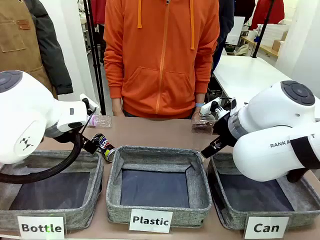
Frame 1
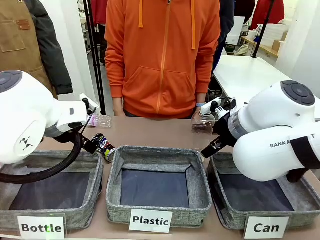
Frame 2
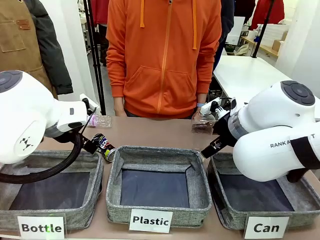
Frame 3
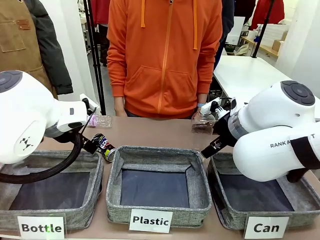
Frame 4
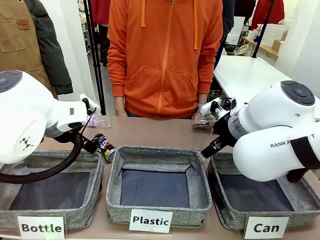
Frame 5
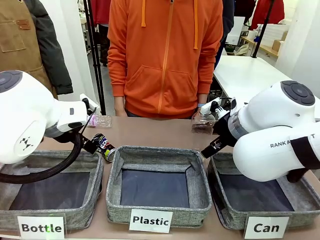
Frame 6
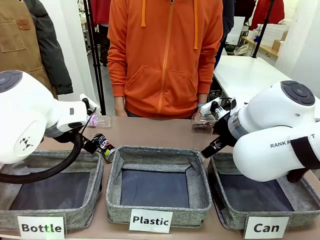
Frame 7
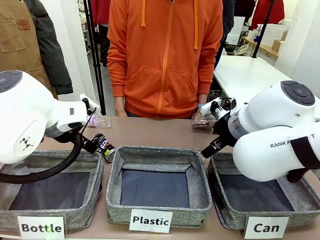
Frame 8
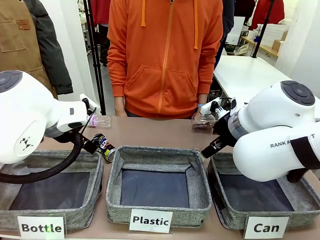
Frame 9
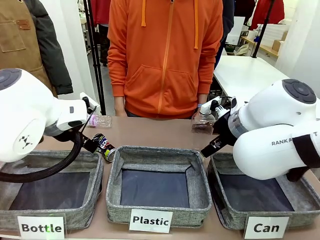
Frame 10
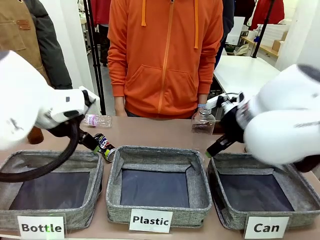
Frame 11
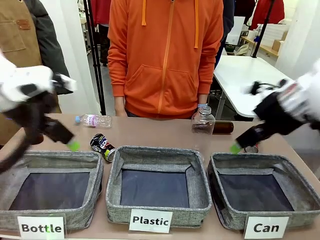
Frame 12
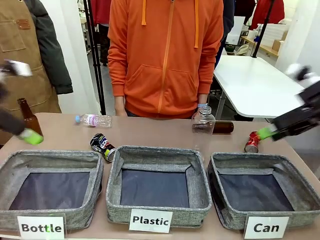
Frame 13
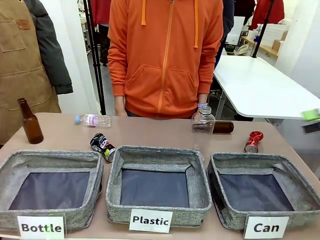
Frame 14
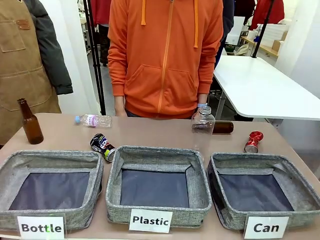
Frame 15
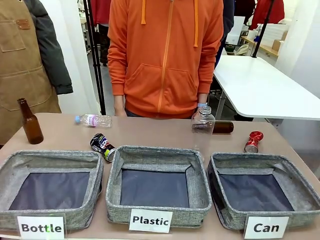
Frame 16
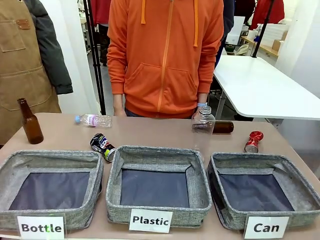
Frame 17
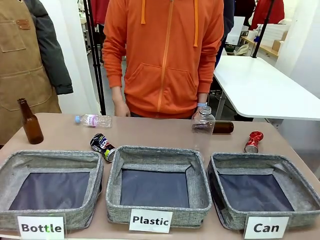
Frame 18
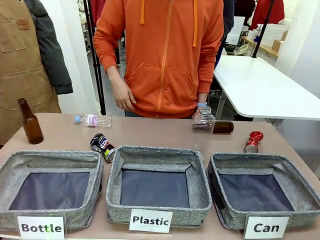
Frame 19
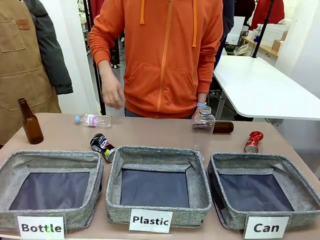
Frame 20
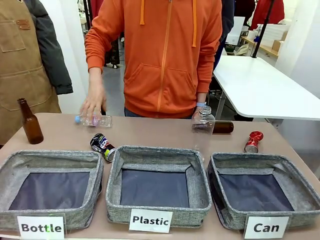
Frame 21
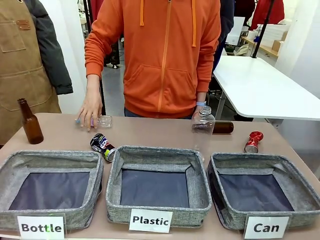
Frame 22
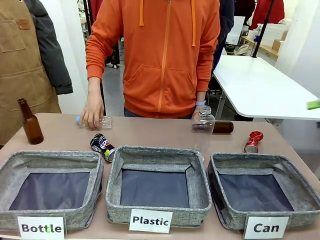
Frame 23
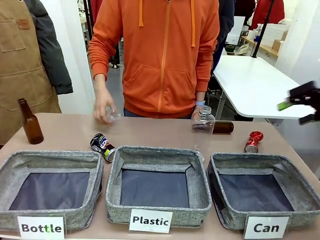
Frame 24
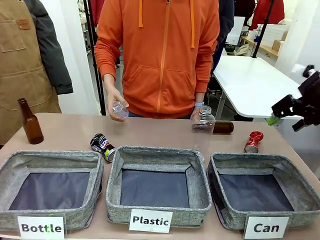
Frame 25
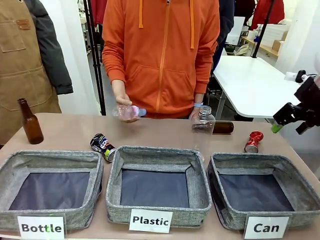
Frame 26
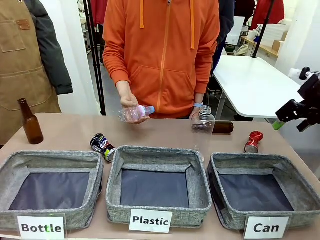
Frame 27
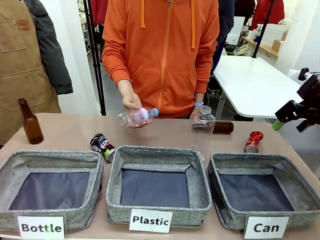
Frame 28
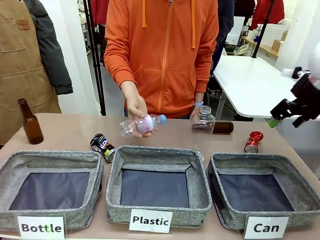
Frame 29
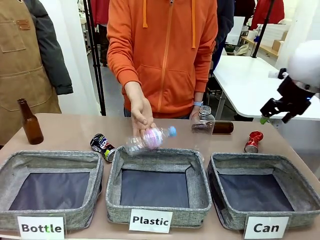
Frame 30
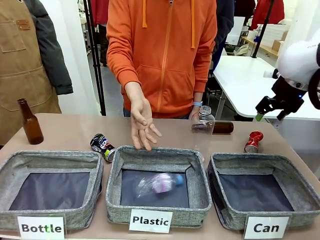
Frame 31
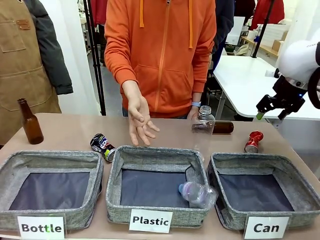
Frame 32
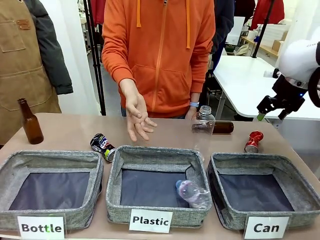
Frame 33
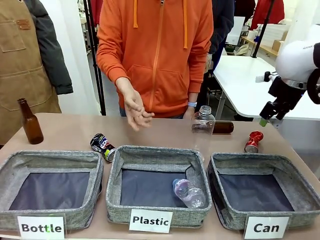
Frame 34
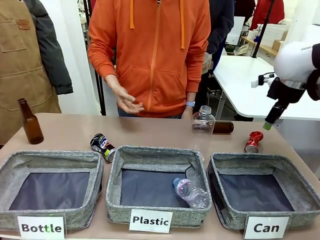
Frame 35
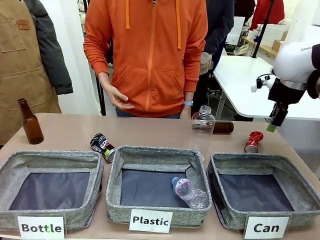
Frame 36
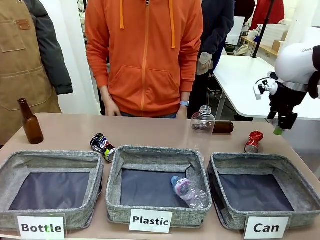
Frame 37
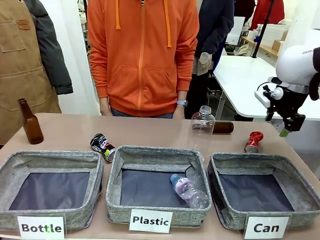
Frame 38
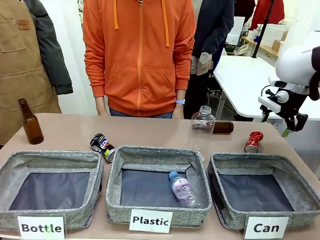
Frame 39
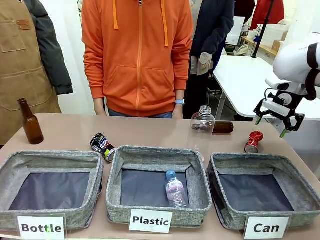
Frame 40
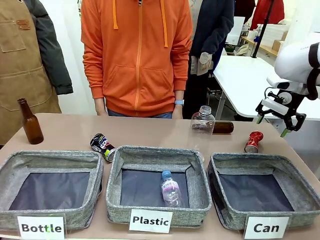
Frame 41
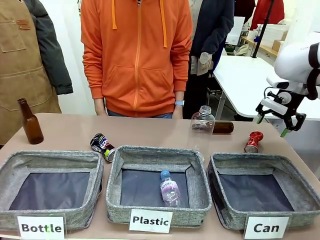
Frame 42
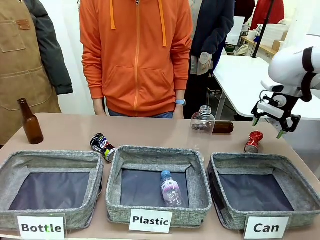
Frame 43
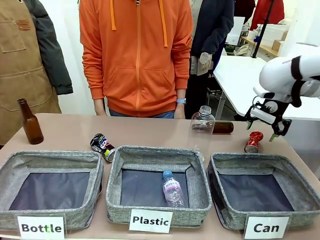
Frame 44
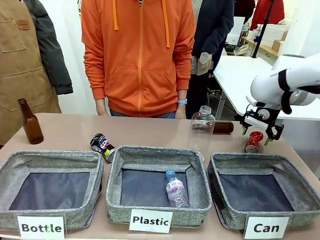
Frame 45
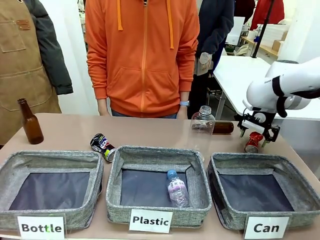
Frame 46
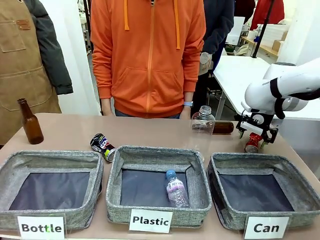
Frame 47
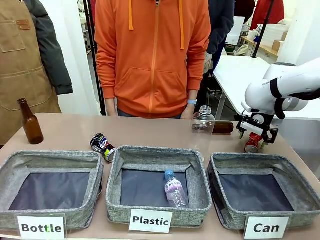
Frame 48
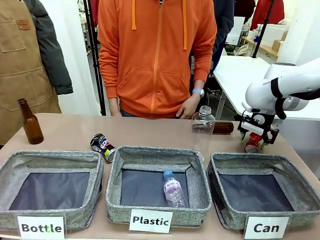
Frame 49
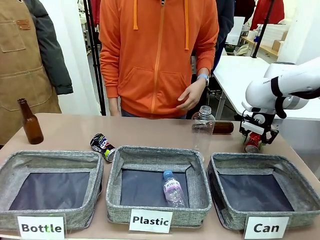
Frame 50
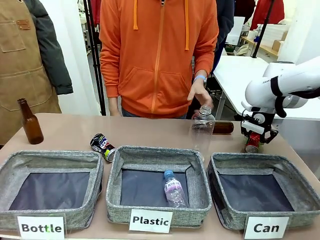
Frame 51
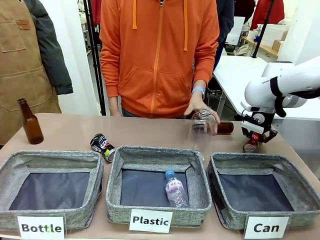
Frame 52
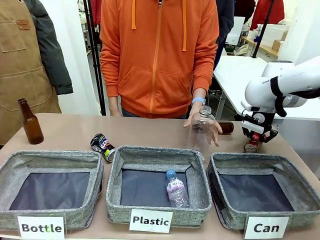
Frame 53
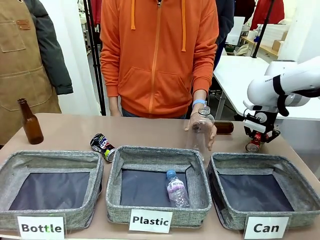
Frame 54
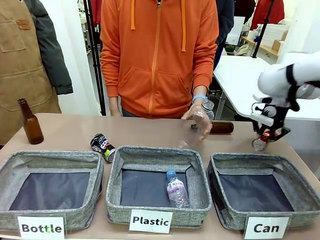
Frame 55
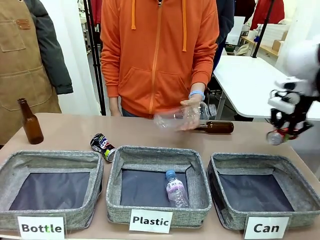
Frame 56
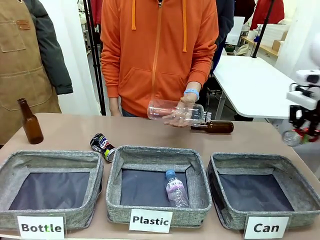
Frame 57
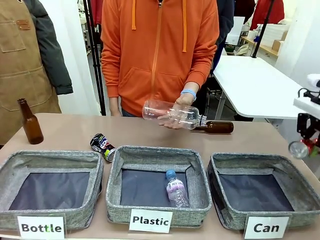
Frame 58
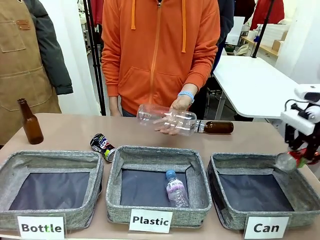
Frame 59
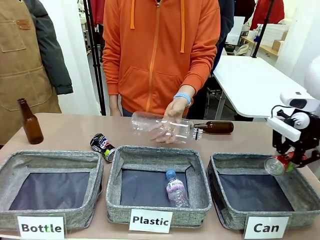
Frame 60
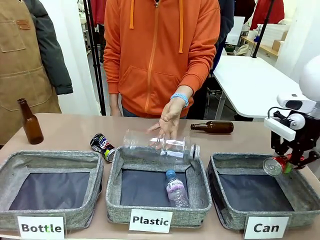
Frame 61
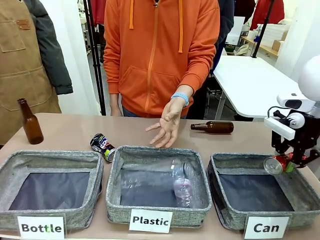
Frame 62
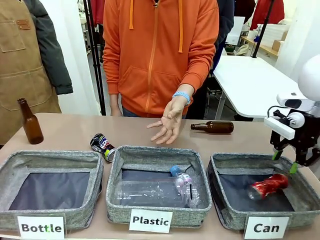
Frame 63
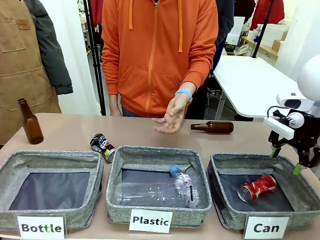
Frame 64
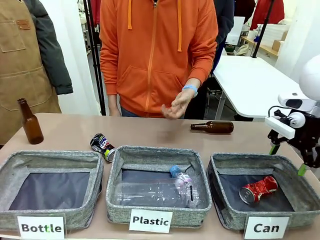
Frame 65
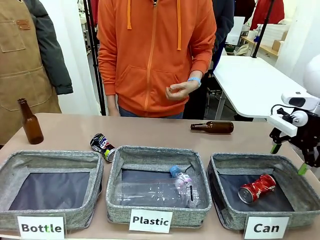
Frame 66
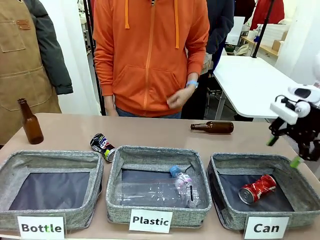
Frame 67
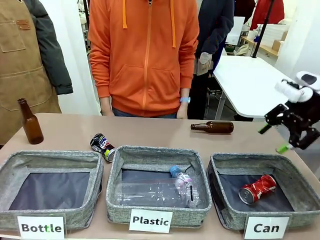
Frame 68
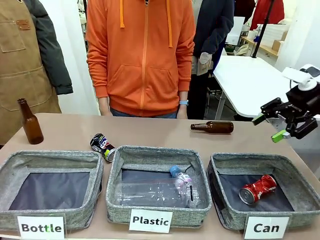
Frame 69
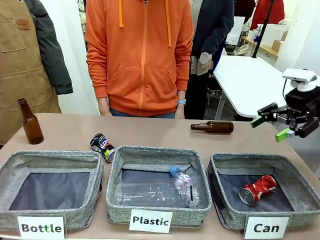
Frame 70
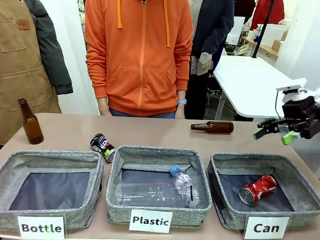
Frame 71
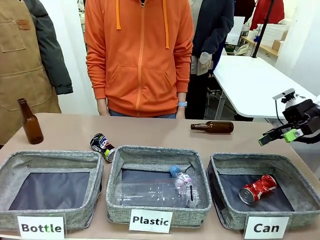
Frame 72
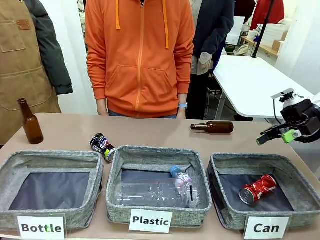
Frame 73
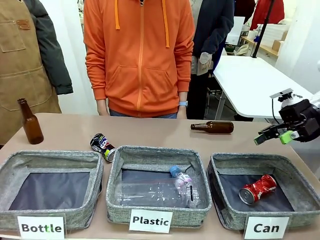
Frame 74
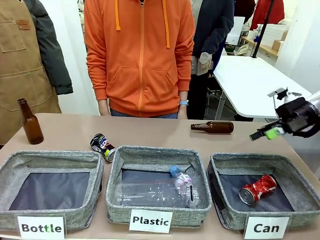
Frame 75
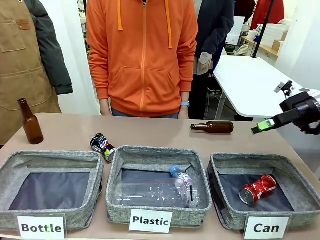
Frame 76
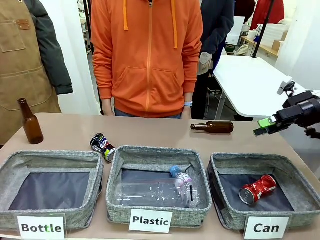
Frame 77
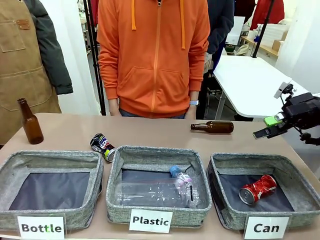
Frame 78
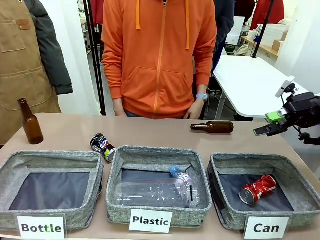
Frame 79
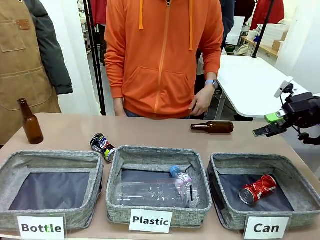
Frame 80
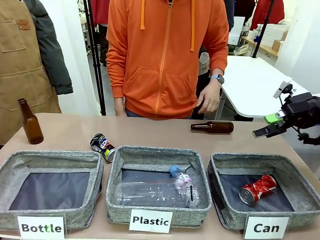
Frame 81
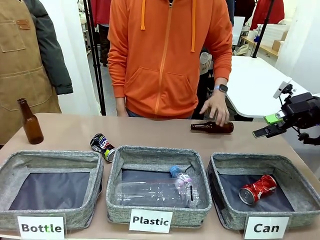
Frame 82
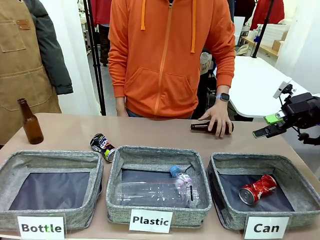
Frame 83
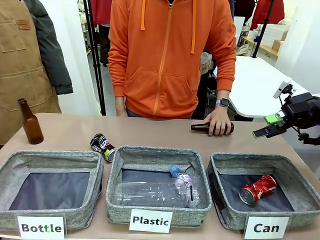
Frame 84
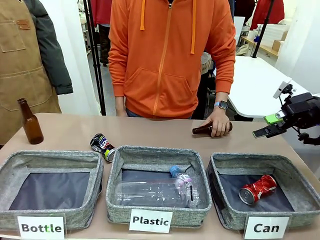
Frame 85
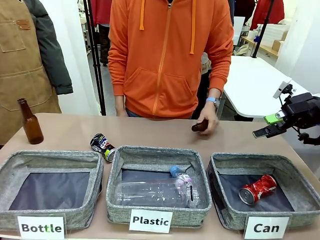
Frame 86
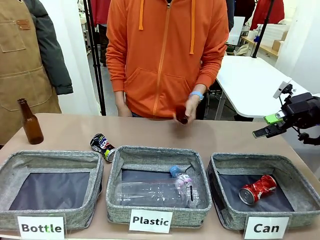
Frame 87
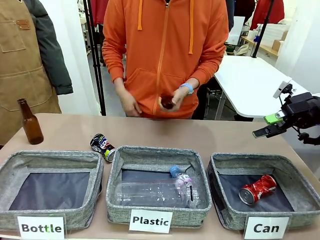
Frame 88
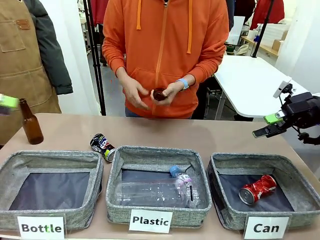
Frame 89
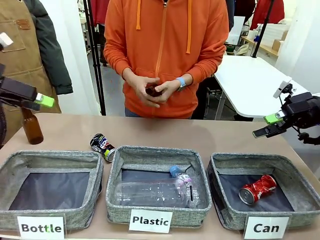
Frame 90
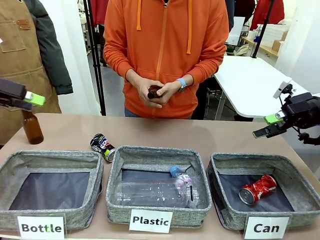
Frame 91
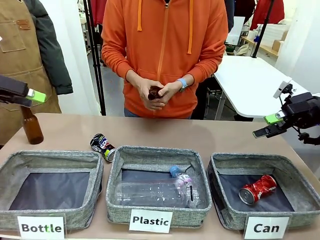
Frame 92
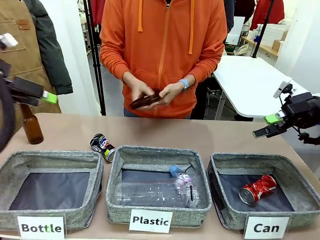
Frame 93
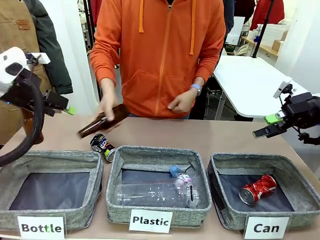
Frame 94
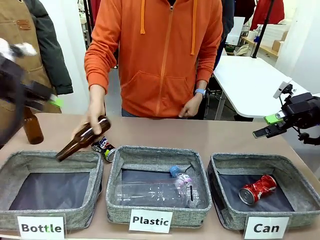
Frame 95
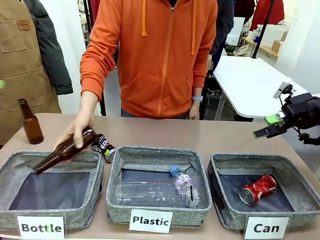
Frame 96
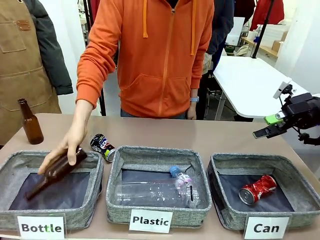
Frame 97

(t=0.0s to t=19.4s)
Task: Sort the can waste into the basket.
Robot: Pick up the can waste from the table and place it in the right Fabric basket.
